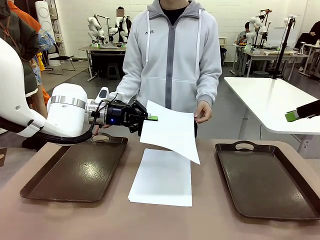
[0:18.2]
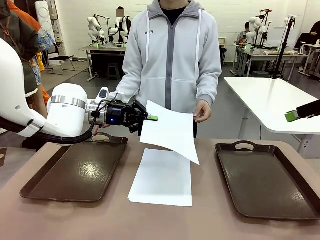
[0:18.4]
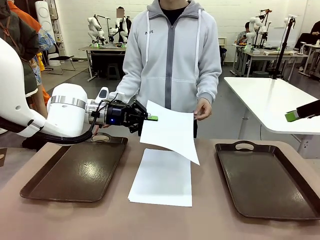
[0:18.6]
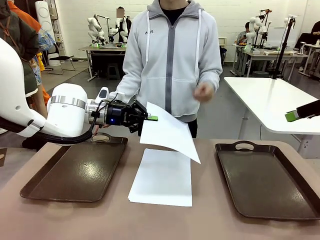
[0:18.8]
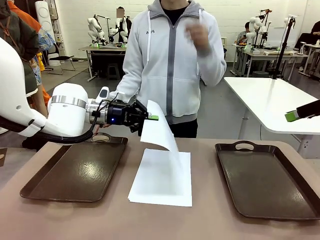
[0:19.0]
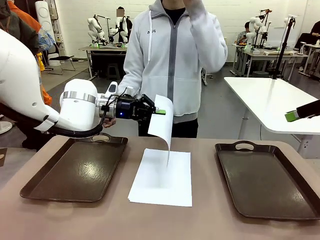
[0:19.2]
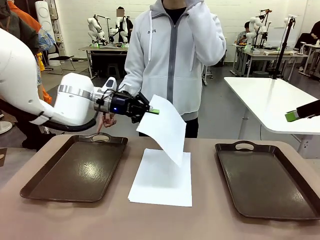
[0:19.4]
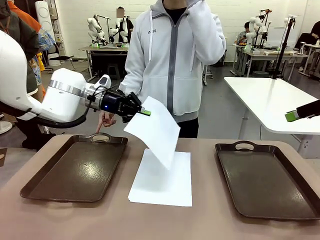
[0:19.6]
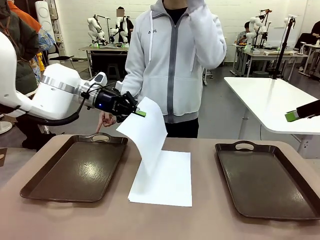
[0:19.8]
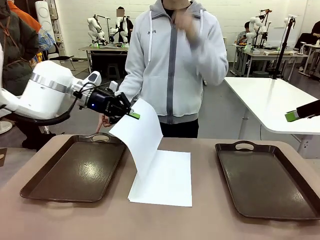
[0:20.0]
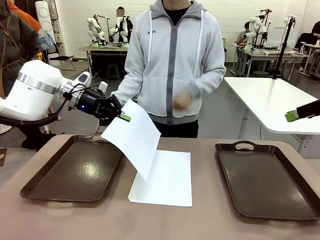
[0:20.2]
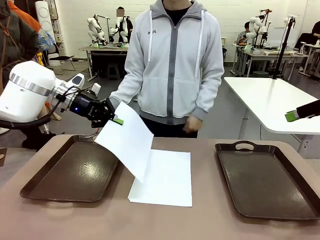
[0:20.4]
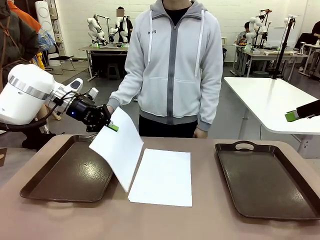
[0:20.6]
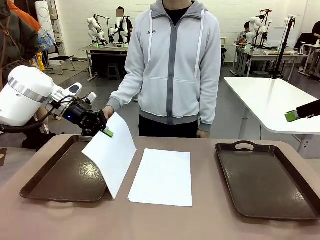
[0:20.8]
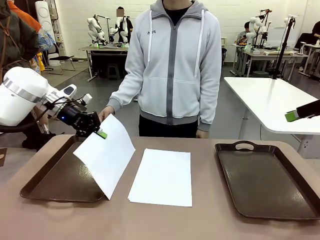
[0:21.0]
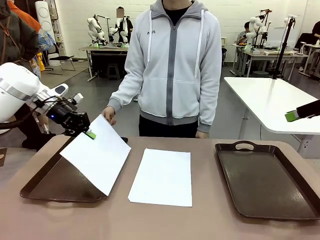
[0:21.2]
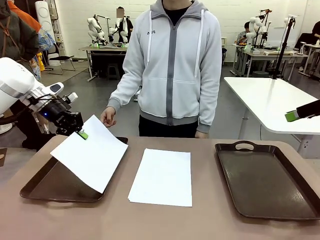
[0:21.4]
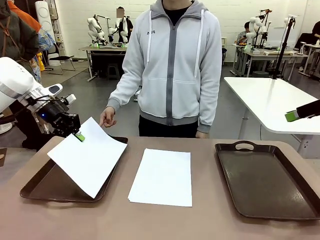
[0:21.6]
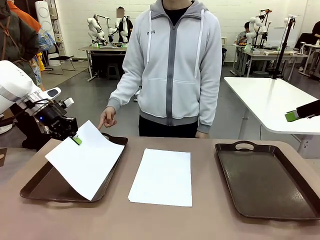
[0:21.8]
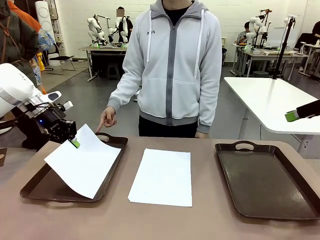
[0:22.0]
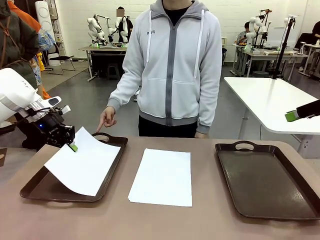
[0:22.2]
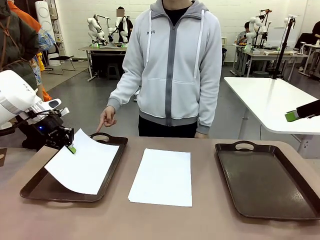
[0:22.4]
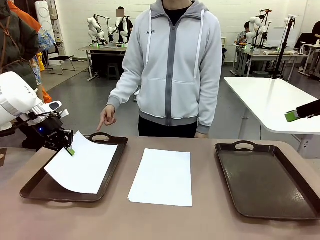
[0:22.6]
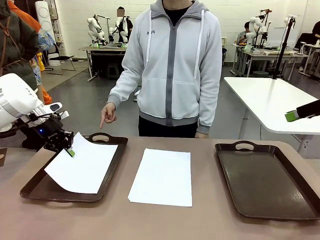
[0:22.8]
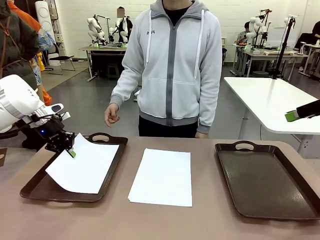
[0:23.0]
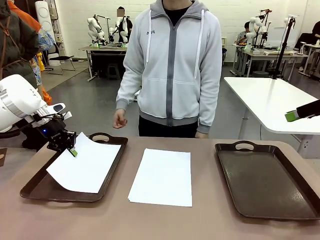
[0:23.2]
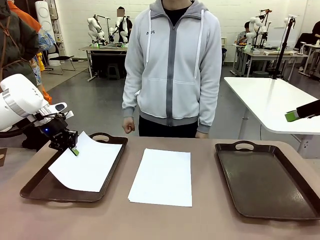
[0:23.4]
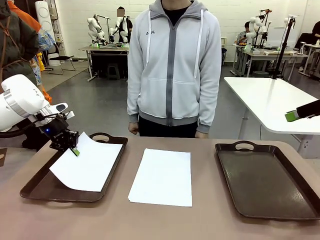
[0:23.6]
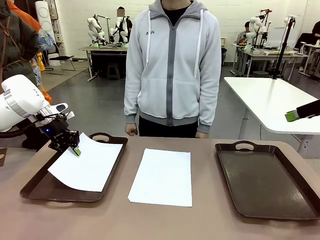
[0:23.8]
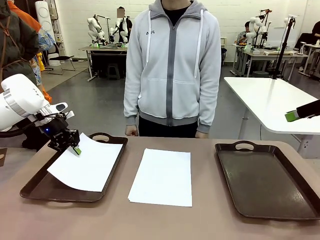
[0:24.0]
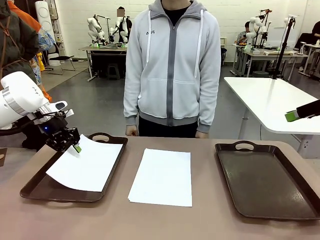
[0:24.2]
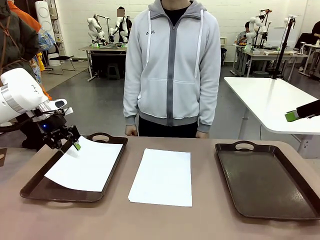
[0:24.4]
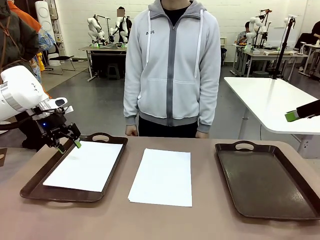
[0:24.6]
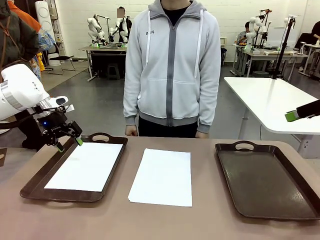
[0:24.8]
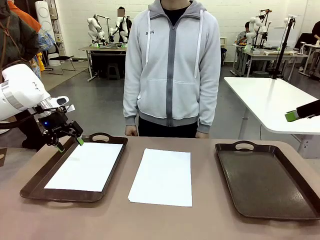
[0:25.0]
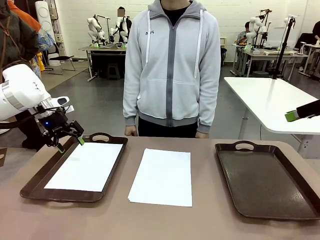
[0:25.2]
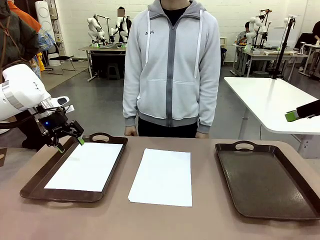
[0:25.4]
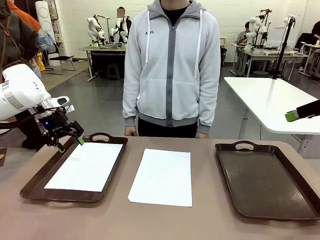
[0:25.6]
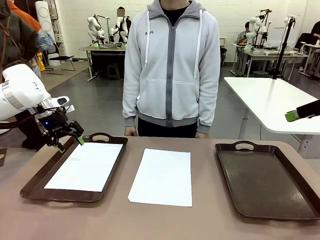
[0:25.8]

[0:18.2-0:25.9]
Task: Sort the A4 documents.
Robot: Place the A4 Paper in the designated Handle tray.

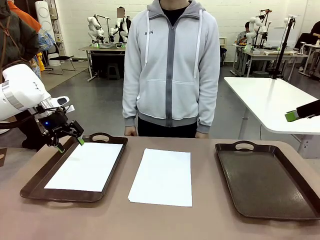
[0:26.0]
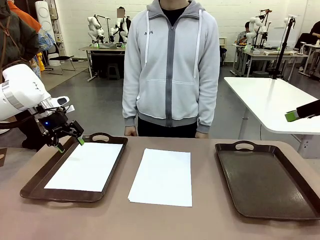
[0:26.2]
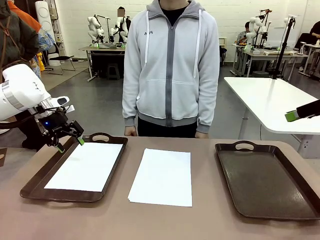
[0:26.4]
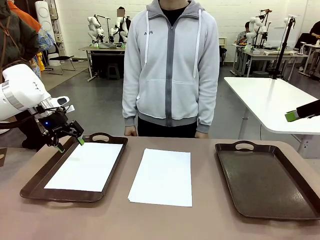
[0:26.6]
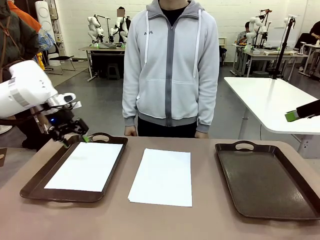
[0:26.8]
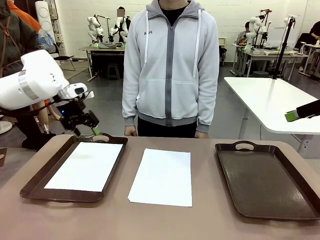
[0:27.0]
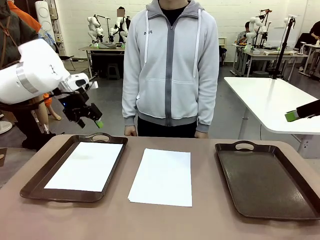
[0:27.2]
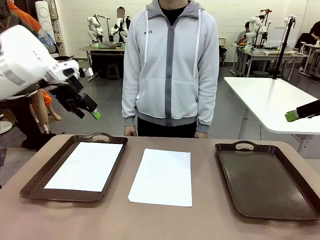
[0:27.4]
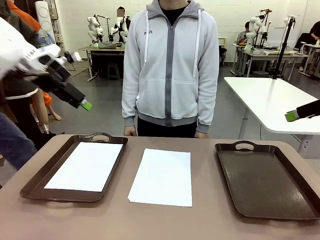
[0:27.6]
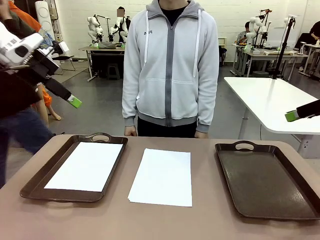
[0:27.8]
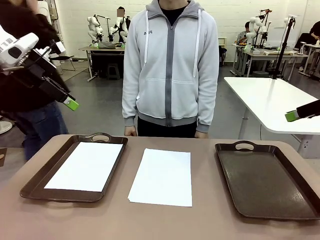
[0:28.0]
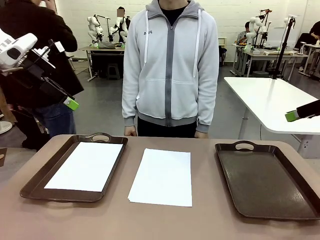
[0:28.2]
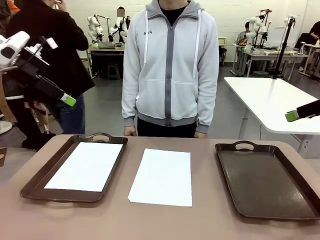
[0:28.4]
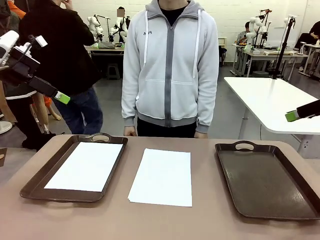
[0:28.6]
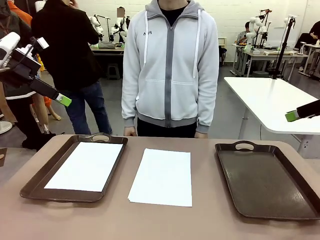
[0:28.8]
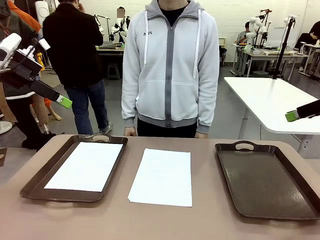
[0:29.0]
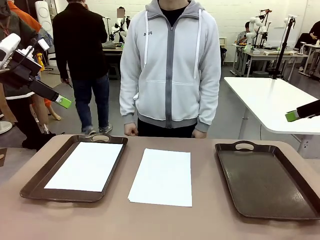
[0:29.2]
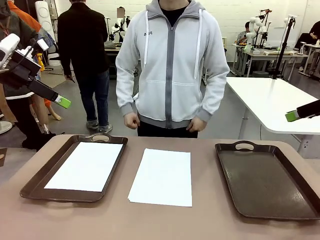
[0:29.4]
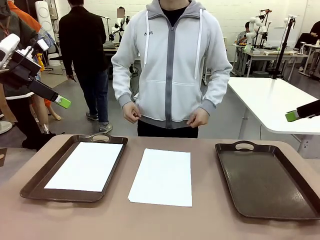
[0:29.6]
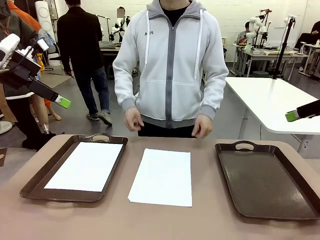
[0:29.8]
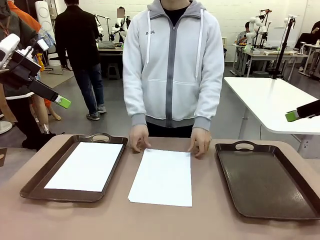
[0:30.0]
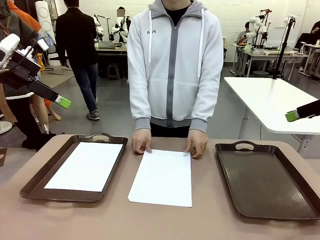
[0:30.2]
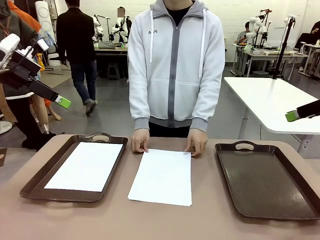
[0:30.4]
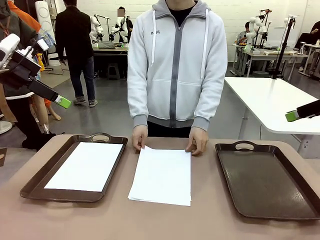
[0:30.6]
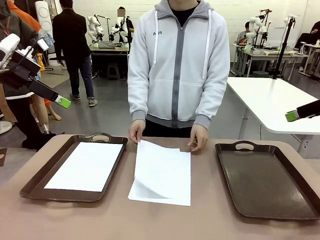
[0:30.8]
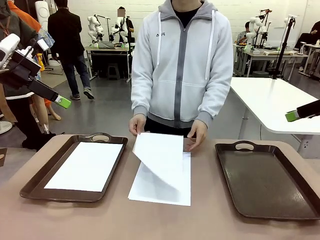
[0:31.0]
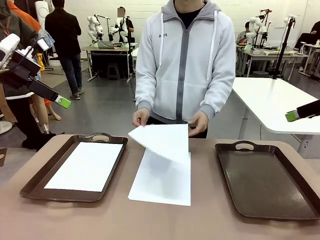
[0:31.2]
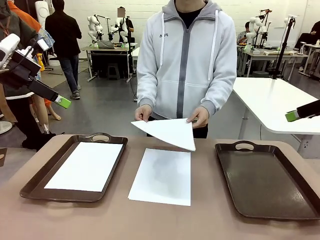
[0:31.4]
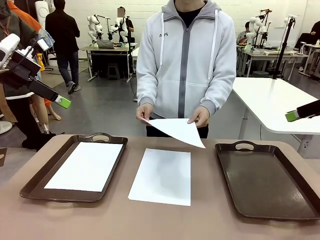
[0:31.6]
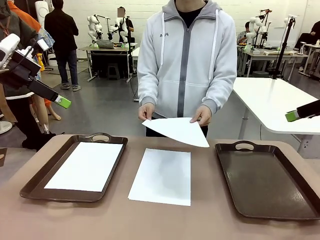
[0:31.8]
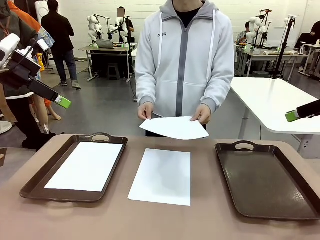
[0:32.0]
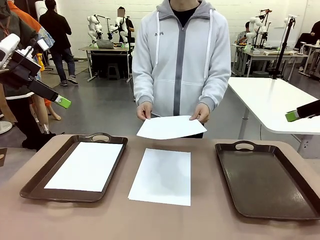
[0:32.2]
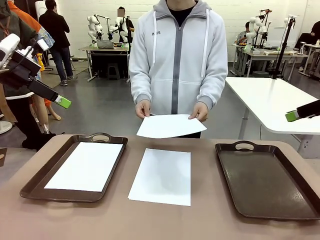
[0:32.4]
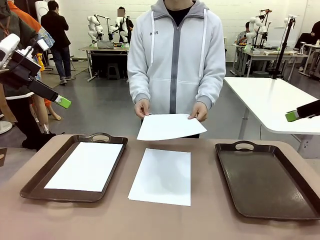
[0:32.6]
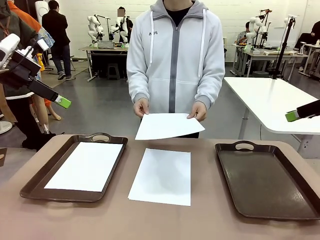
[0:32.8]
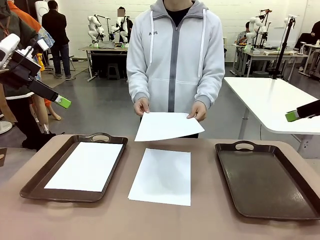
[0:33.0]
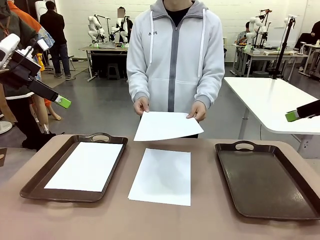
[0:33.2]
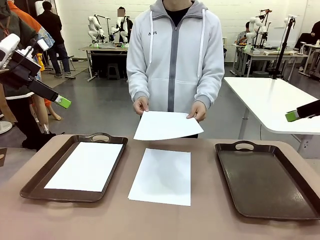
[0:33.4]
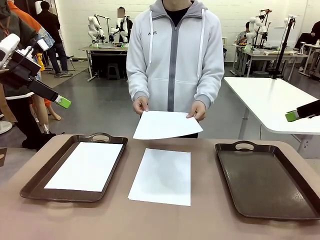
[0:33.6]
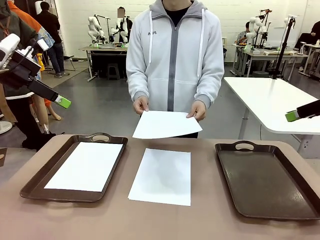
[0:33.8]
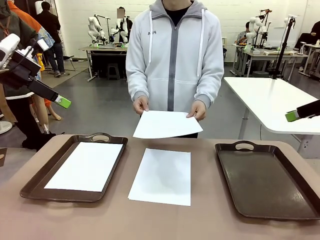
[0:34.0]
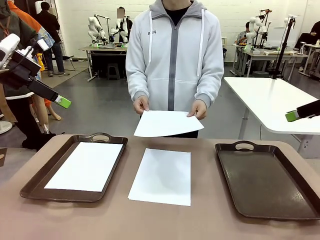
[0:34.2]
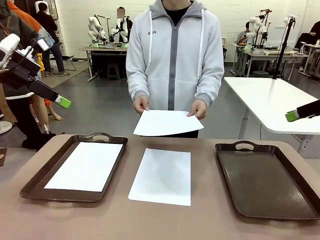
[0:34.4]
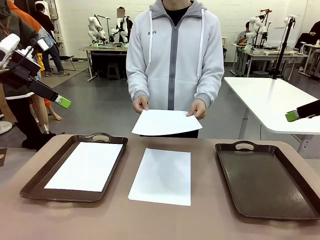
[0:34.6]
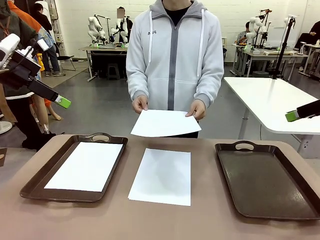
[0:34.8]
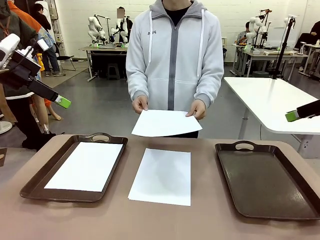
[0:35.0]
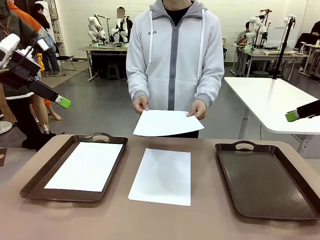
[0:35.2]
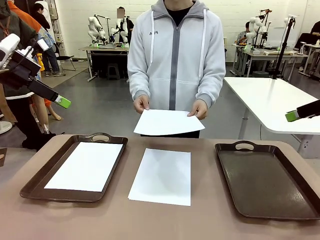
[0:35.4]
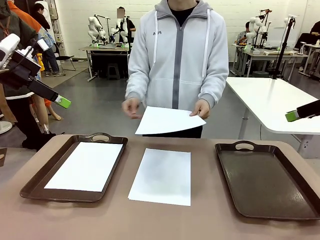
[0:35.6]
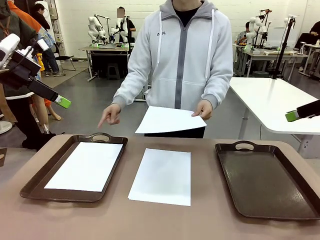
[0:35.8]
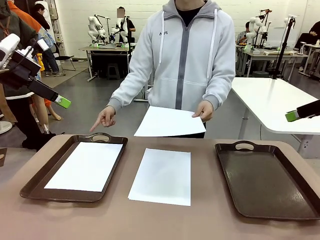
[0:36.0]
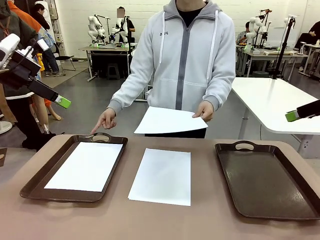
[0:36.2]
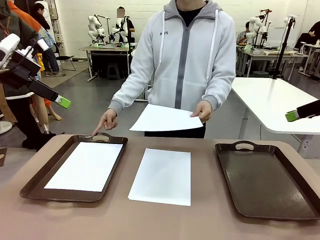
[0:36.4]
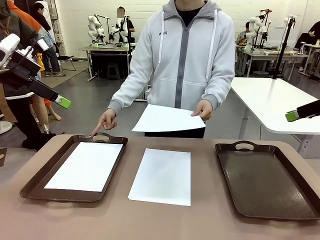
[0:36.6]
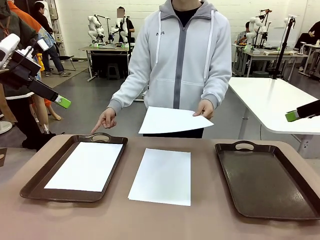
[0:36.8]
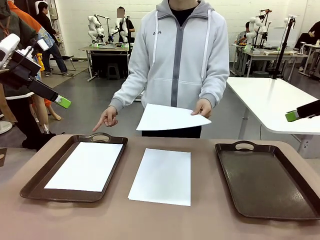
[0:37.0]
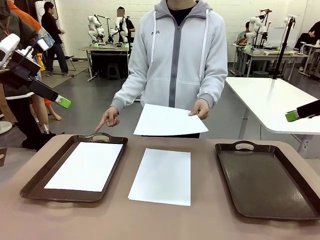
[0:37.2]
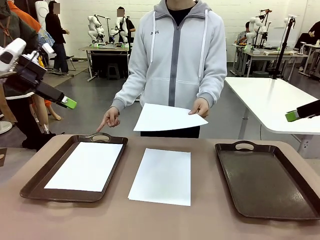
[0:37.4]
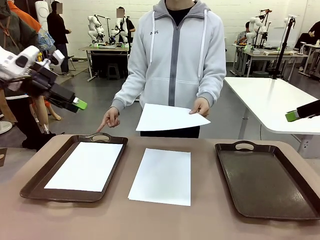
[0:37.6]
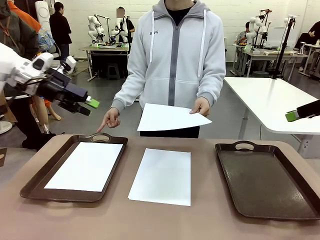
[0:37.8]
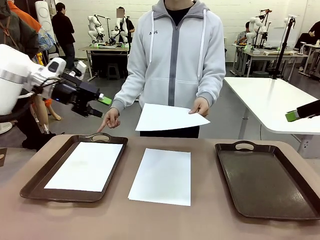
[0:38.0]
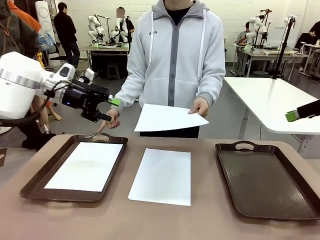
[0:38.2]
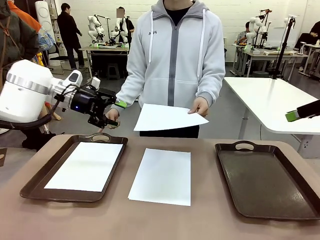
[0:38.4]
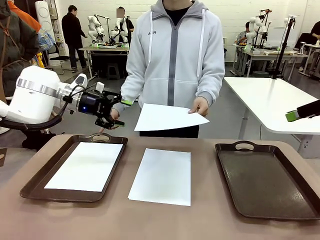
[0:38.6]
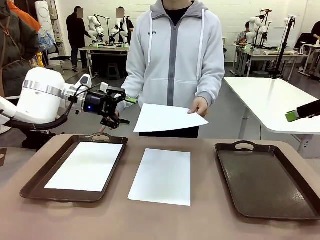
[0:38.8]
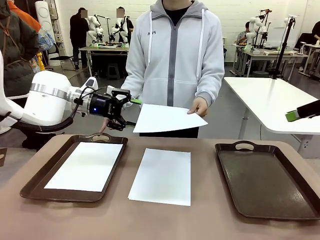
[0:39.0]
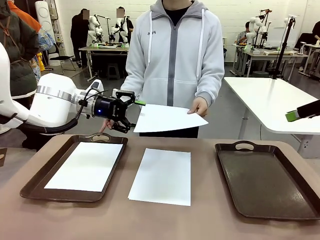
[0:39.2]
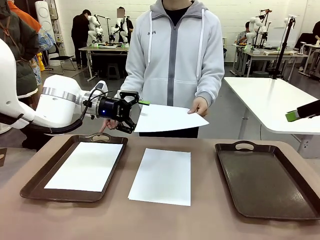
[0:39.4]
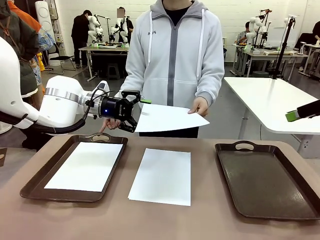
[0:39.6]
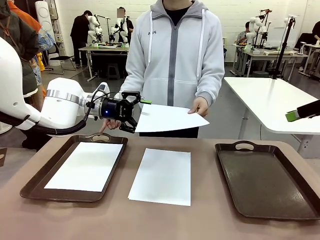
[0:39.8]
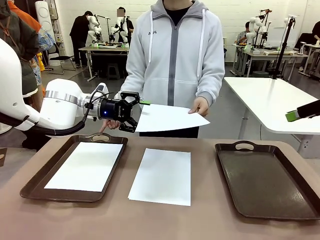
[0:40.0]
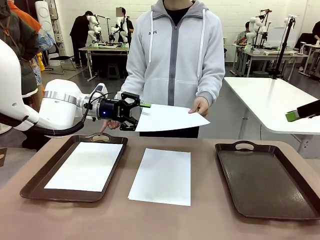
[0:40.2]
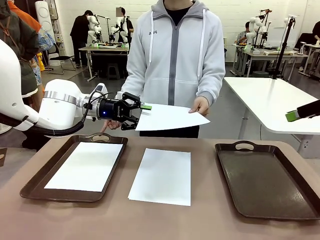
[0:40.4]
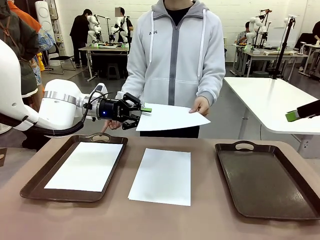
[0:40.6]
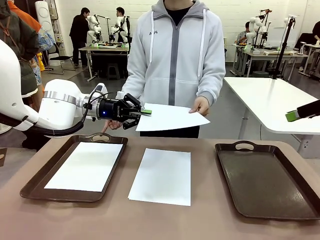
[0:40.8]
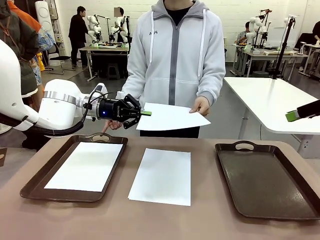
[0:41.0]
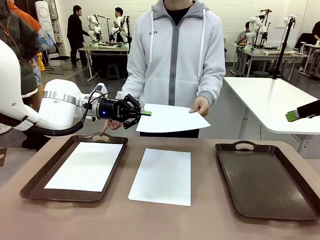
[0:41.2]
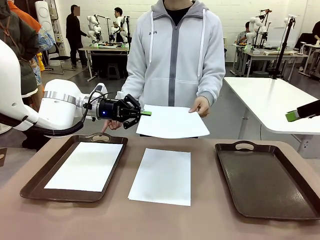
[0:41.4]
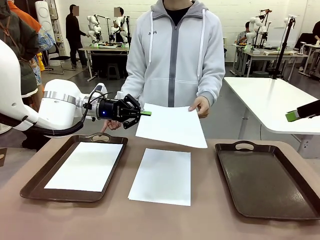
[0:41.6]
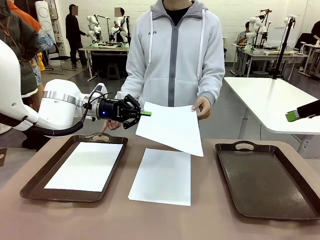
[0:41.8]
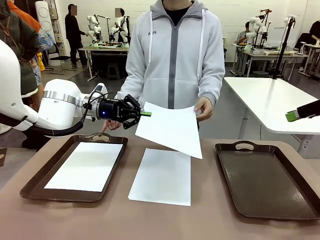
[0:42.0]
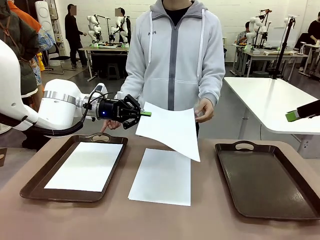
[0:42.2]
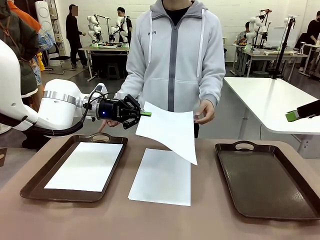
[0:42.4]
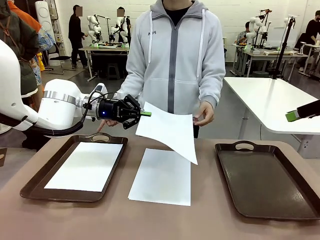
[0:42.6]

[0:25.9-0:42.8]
Robot: Receive the A4 Paper.
Person: Point the randomly selected tray with the other hand.
